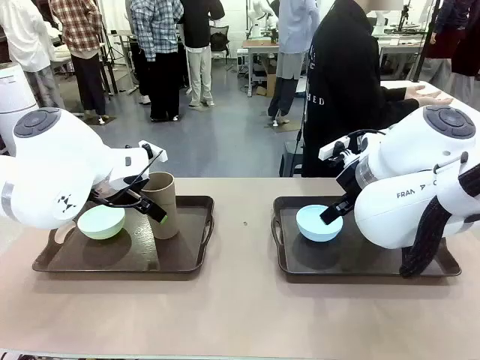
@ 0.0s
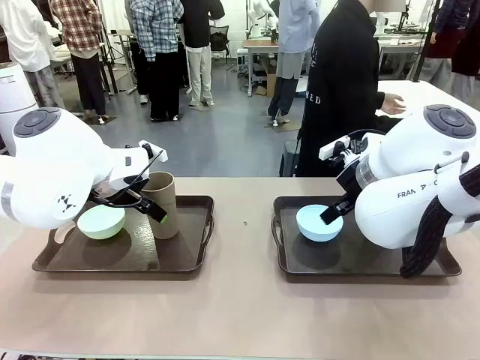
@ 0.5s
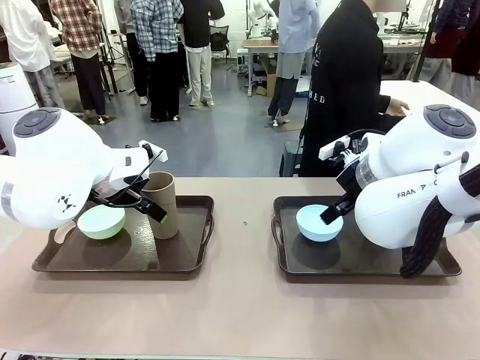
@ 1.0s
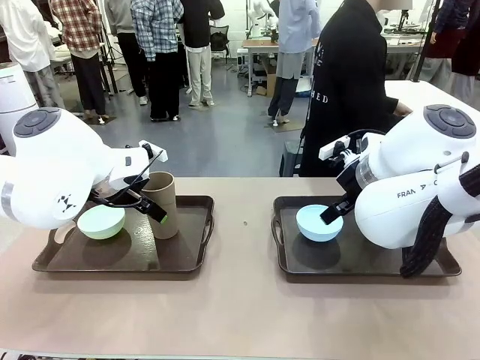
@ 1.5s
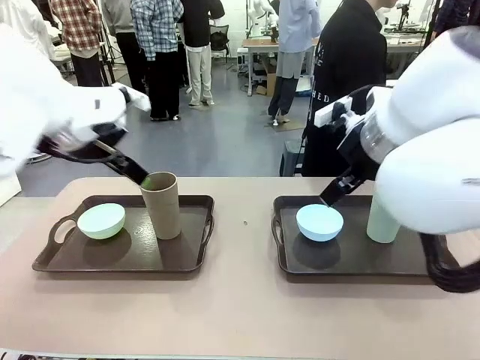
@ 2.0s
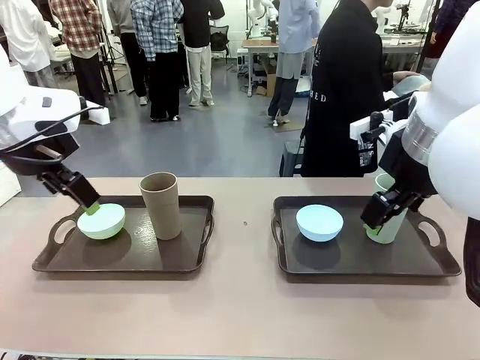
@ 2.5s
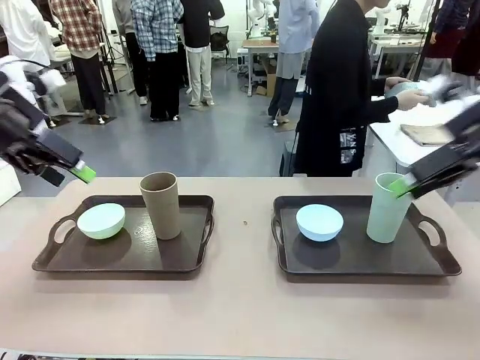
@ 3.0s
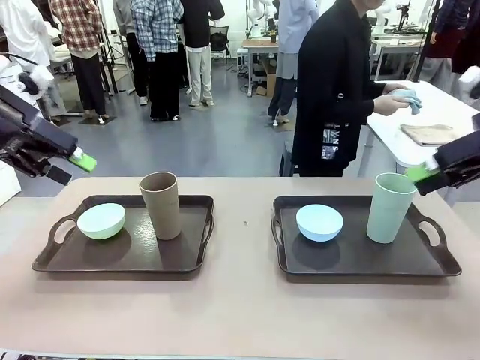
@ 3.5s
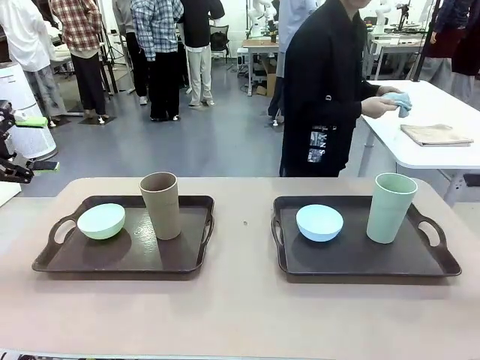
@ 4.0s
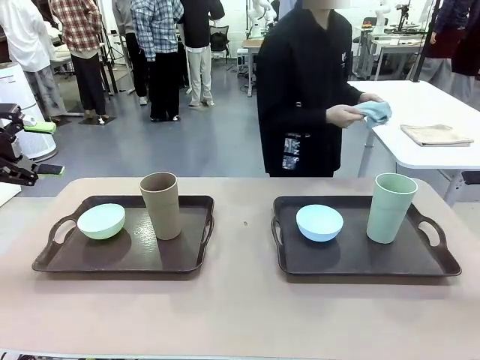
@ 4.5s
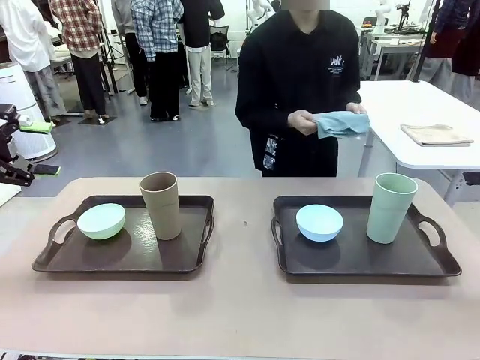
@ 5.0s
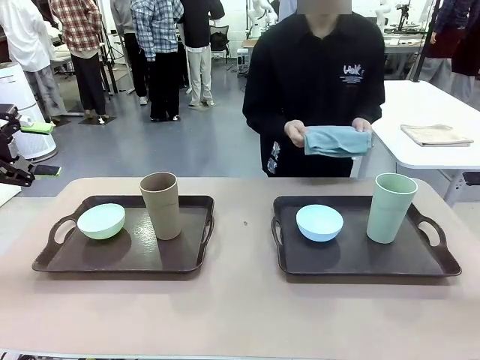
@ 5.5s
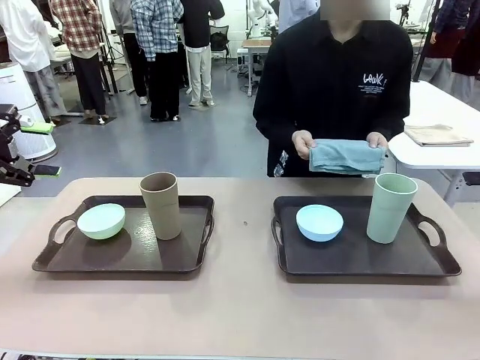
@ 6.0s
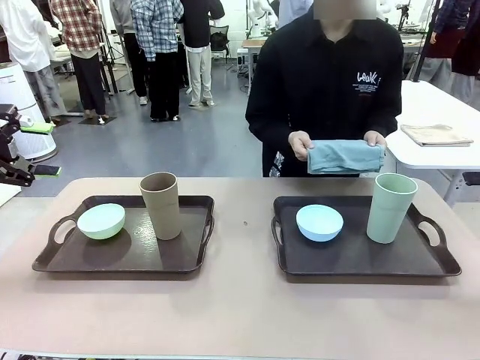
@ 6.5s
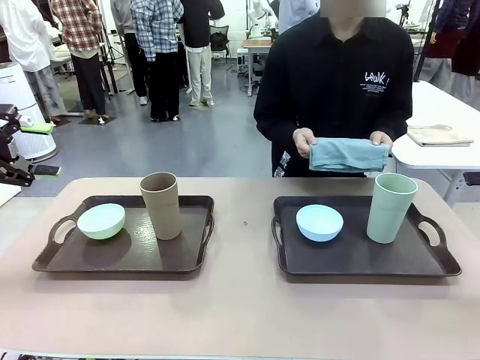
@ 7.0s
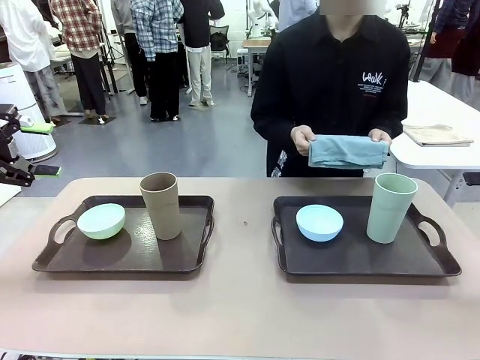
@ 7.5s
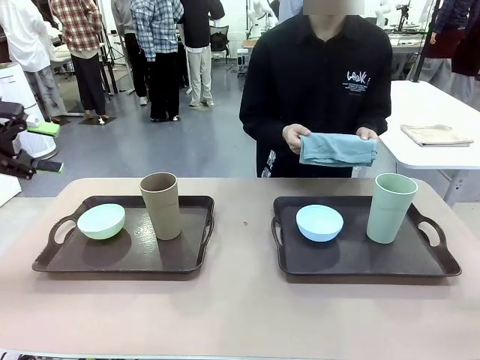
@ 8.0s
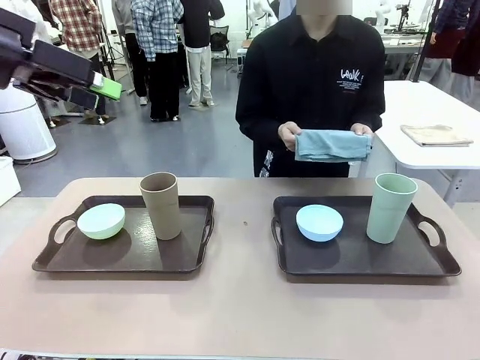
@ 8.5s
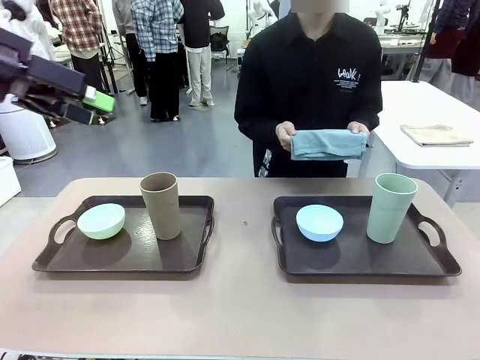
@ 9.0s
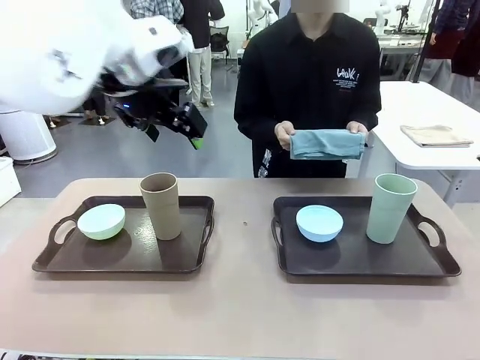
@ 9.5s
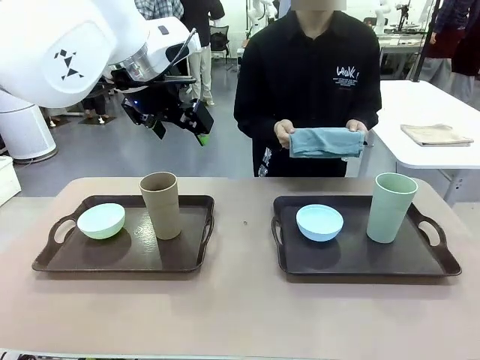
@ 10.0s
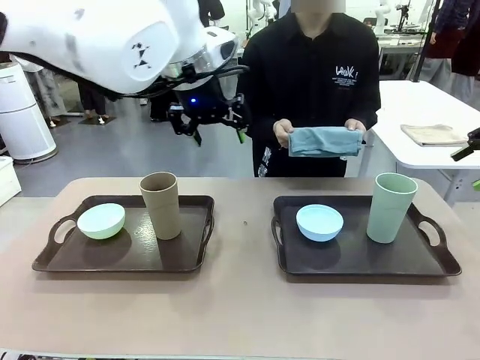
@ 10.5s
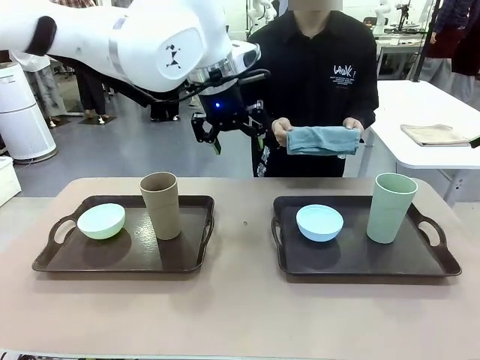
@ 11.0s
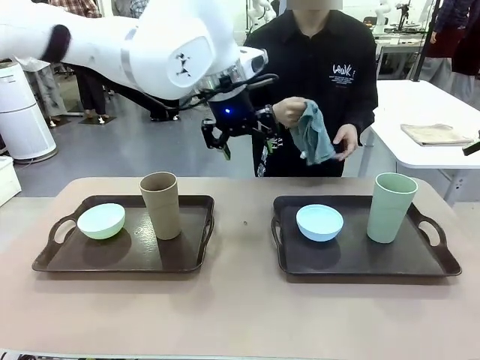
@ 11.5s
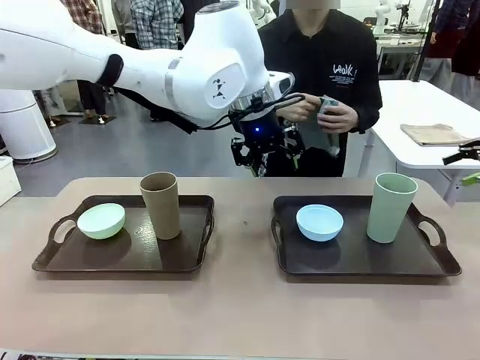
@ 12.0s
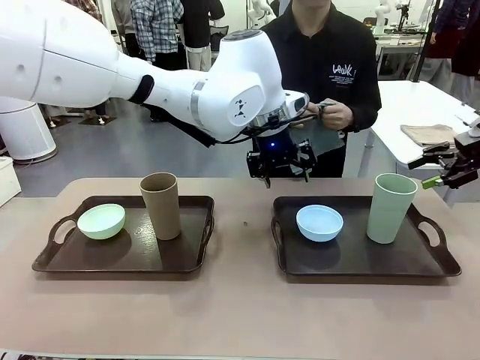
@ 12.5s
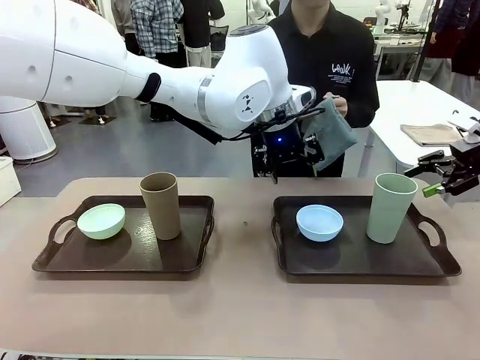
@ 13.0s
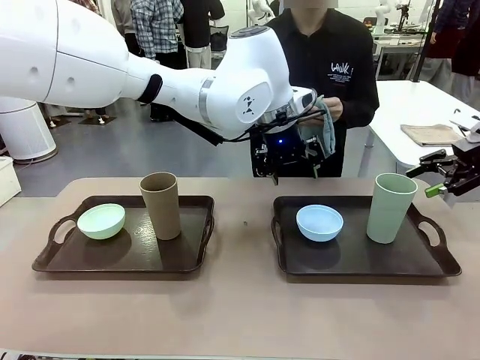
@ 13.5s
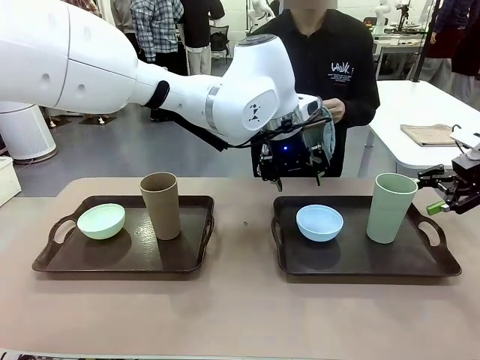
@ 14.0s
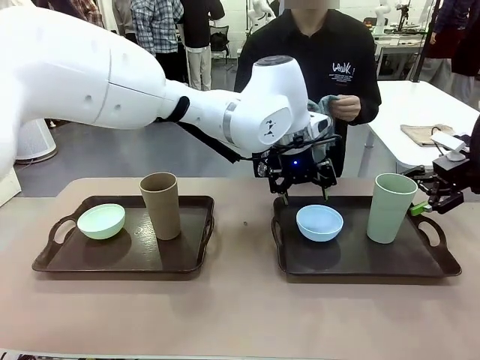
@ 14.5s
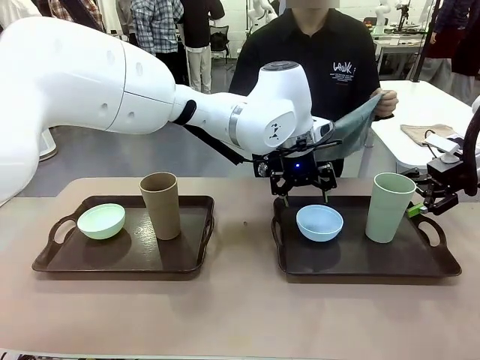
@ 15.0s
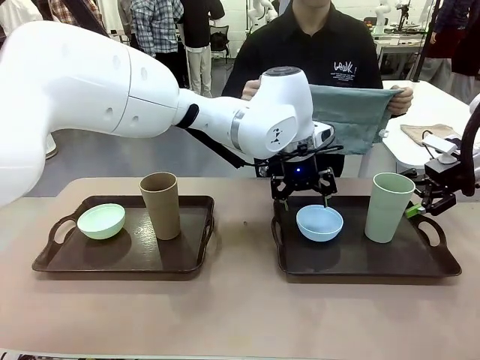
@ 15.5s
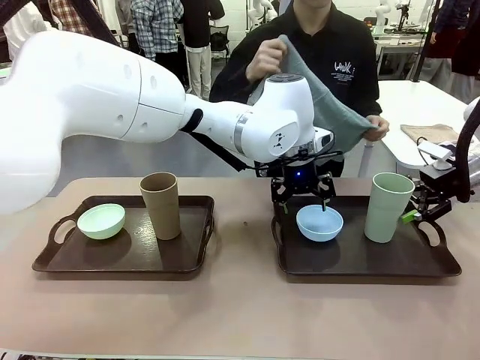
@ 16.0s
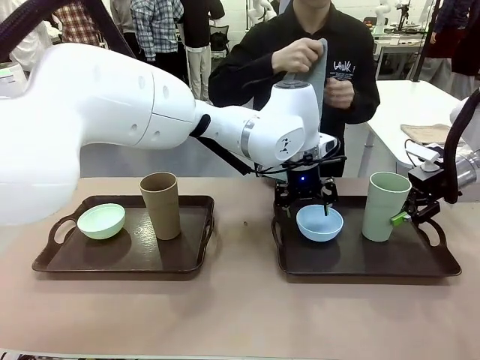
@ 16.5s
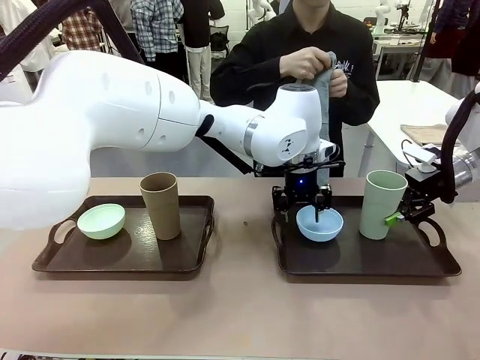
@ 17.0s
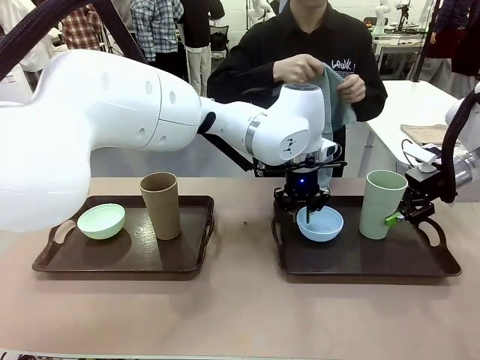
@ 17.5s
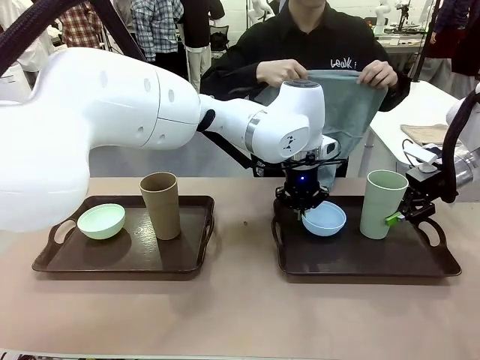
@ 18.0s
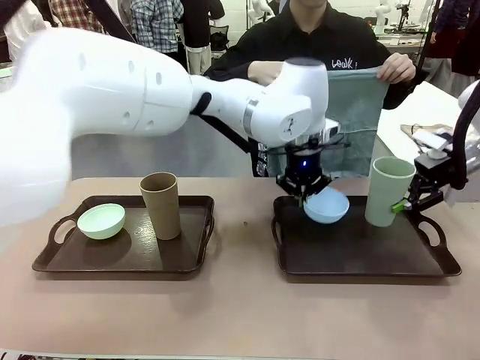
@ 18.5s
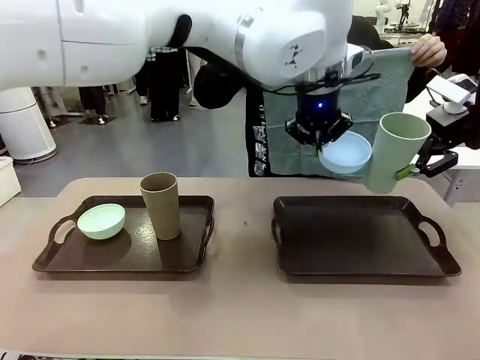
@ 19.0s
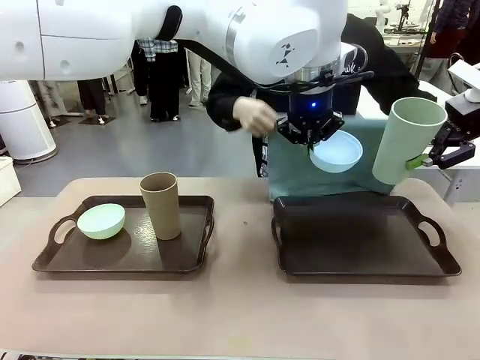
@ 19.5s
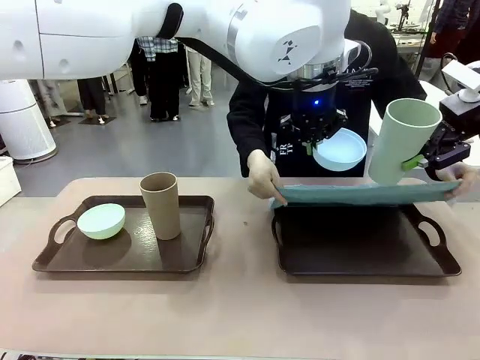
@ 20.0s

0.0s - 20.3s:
Robot: Pick up the Picnic Bowl and Reusable plastic cup from the Handle tray in front of the human's position and hold them in the air.
Person: The human picks up the top napkin from the stack on the human table and walks to the robot table to stand in front of one of the two trays. When the robot lifts the bowl and the cup, the human unfolds the napkin and lays the napkin flat on the tray.

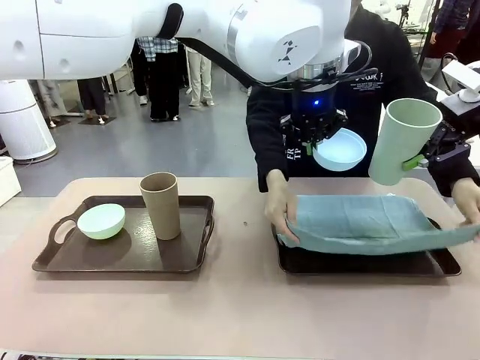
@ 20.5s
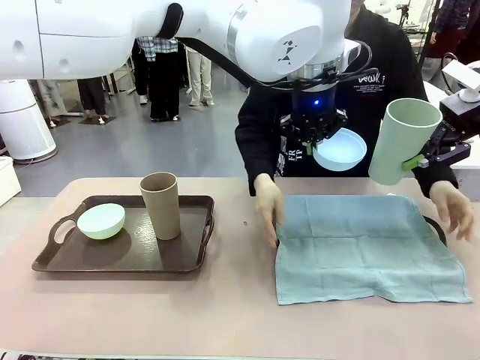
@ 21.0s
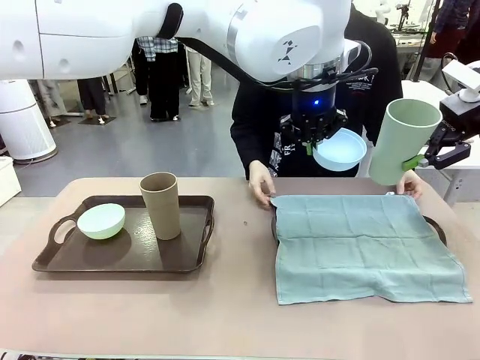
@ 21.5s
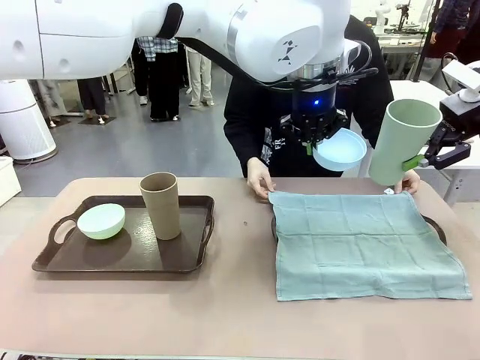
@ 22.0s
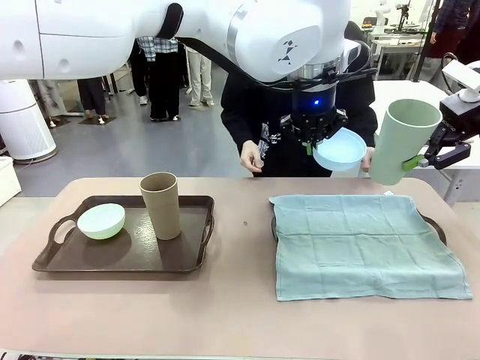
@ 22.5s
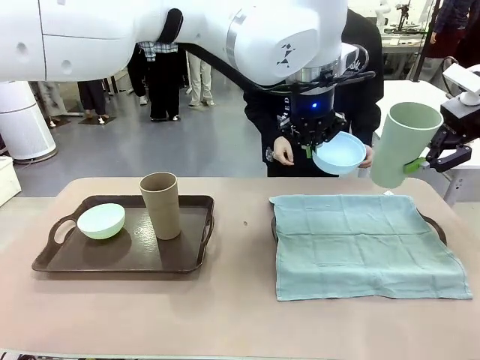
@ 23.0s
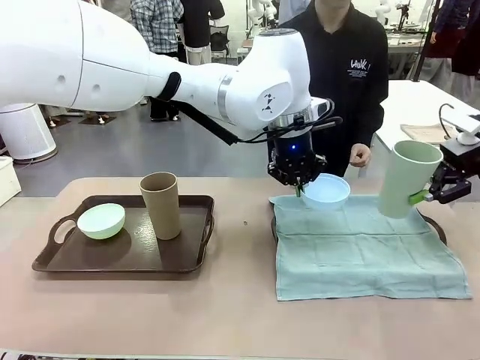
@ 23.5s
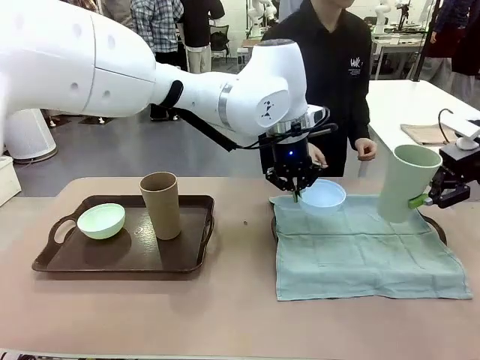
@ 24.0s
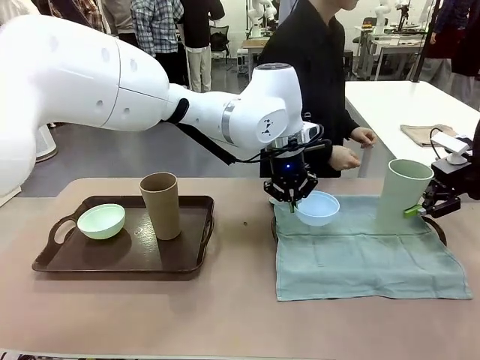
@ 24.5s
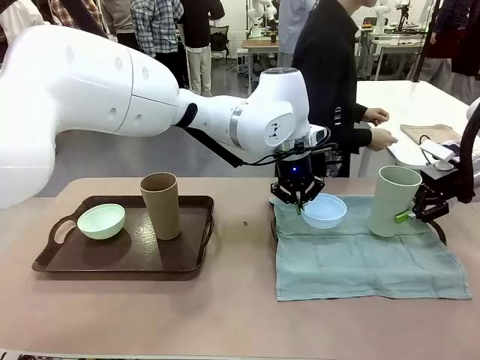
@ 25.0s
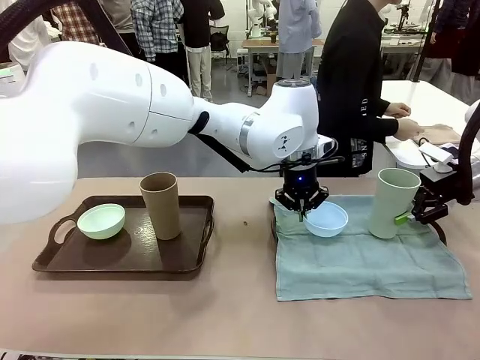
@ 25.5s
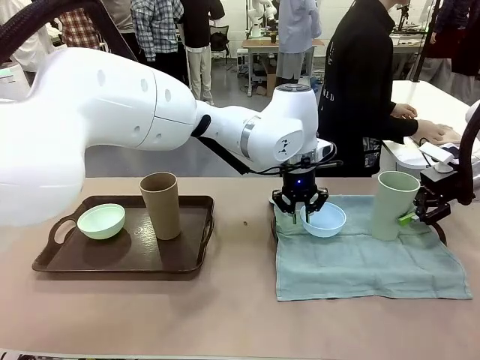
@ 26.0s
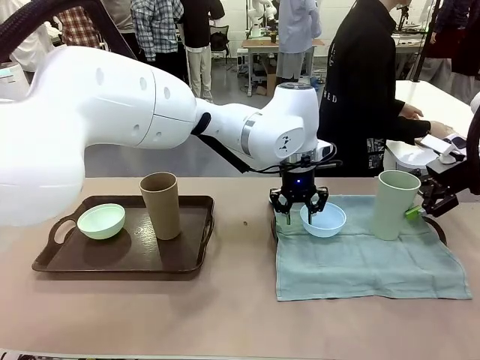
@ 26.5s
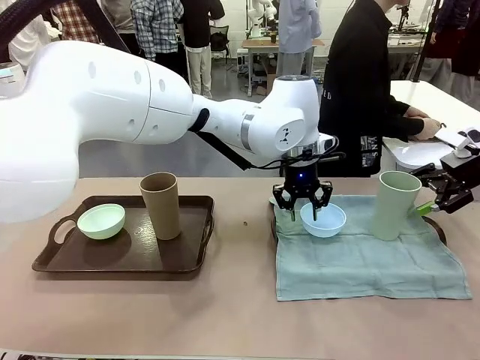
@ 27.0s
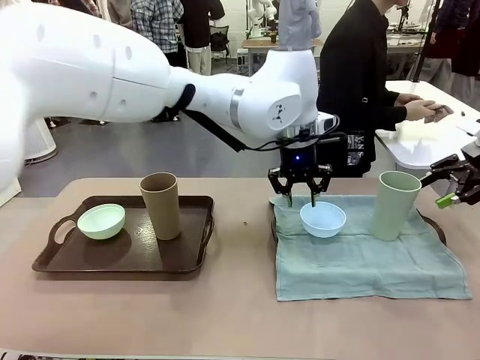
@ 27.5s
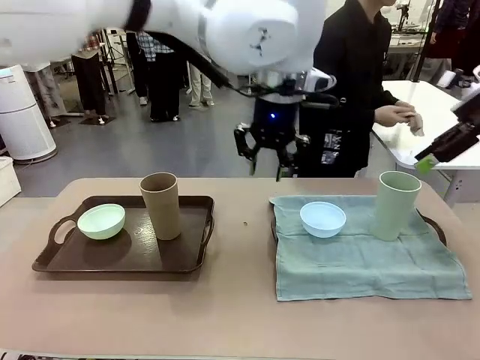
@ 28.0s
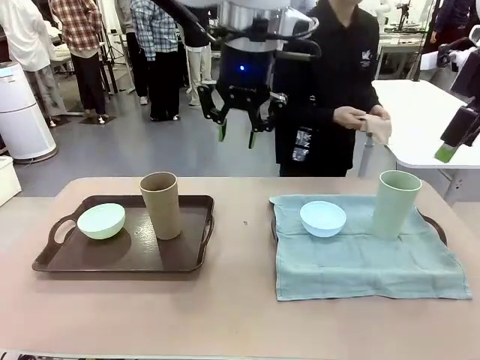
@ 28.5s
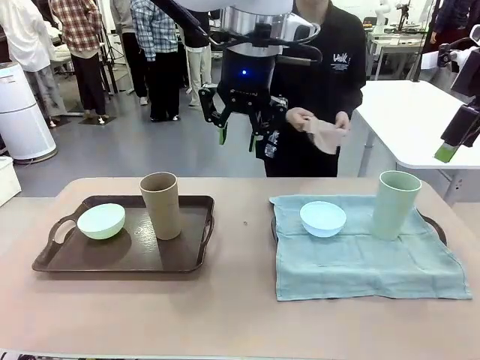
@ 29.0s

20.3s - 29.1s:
Robot: Place the Picnic Bowl and Reusable plastic cup back onto the Handle tray in front of the human's position.
Person: The human returns to the human table to pick up another napkin and walks to the robot table to stand in front of the tray without a napkin.
